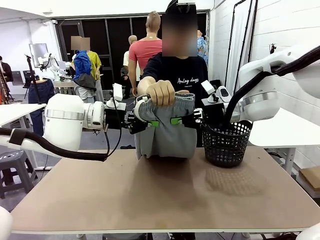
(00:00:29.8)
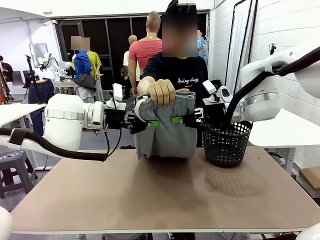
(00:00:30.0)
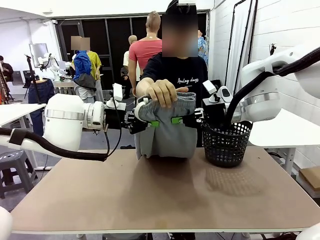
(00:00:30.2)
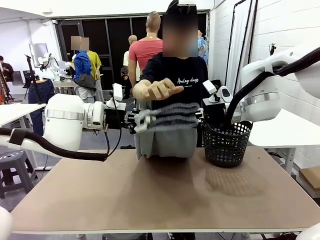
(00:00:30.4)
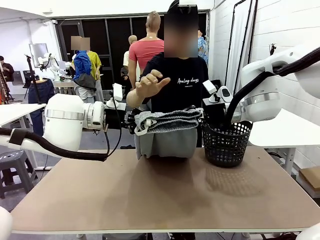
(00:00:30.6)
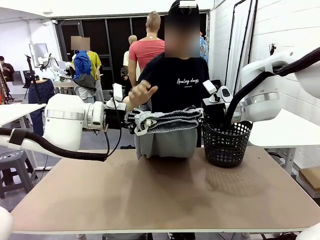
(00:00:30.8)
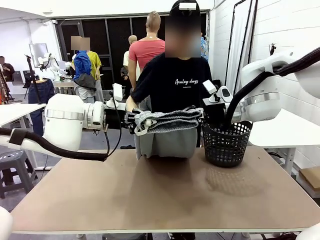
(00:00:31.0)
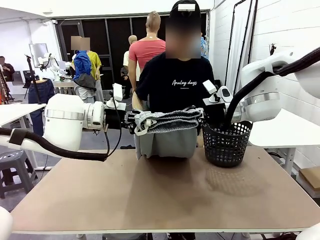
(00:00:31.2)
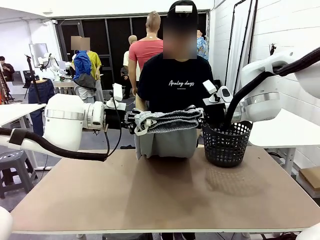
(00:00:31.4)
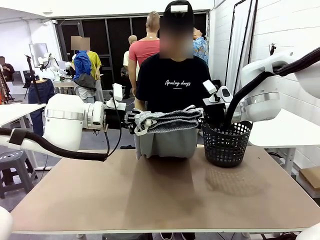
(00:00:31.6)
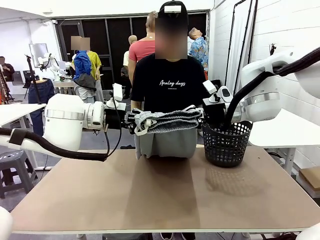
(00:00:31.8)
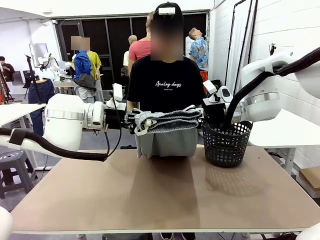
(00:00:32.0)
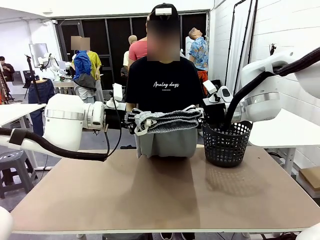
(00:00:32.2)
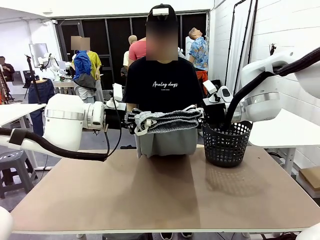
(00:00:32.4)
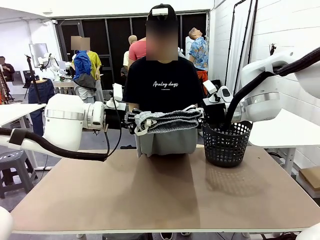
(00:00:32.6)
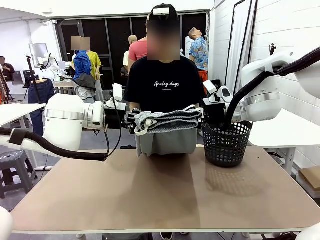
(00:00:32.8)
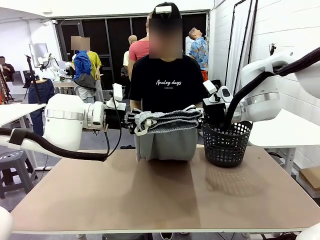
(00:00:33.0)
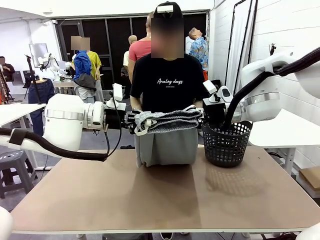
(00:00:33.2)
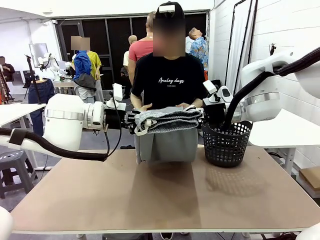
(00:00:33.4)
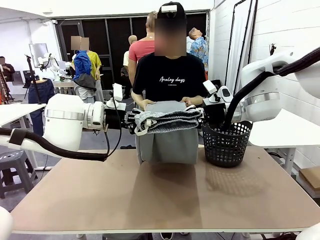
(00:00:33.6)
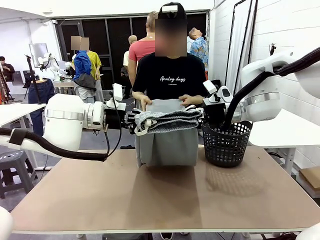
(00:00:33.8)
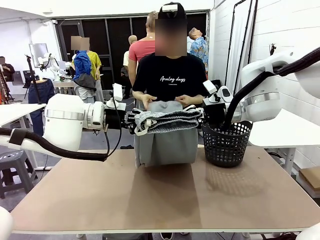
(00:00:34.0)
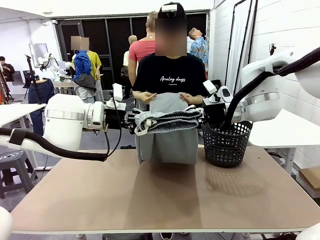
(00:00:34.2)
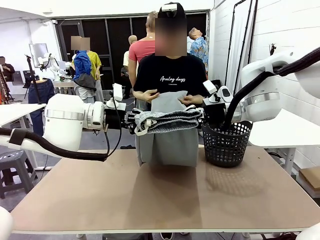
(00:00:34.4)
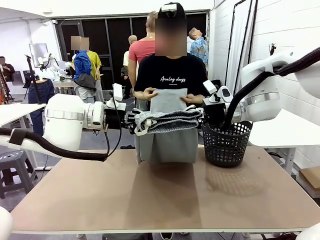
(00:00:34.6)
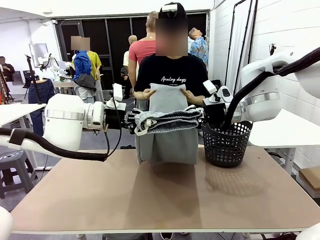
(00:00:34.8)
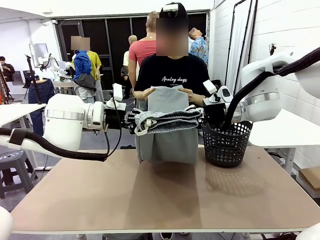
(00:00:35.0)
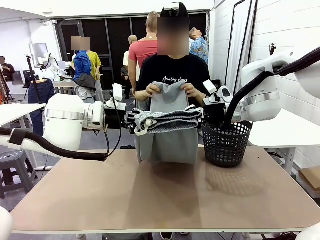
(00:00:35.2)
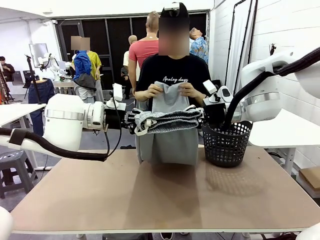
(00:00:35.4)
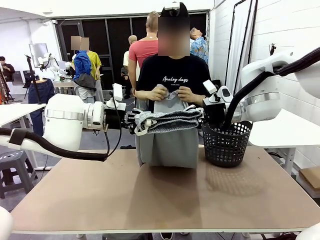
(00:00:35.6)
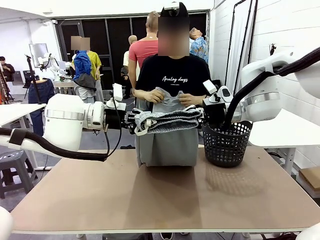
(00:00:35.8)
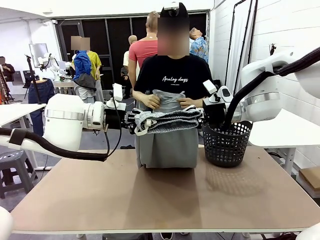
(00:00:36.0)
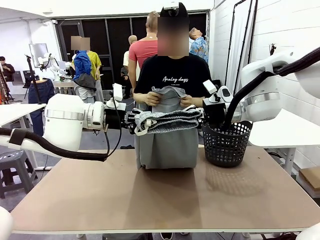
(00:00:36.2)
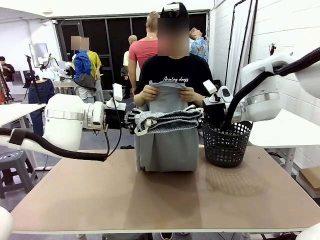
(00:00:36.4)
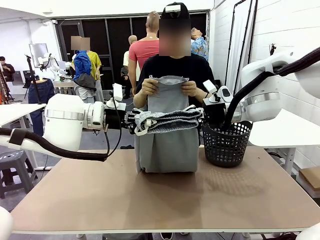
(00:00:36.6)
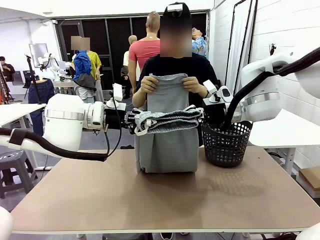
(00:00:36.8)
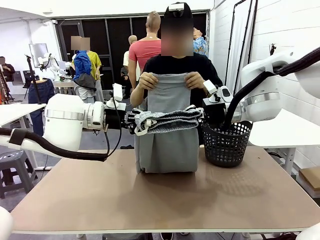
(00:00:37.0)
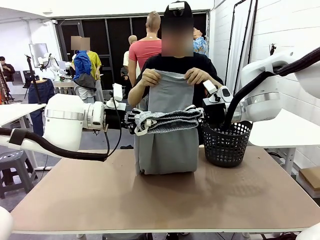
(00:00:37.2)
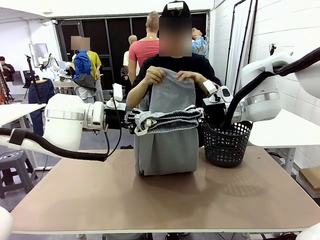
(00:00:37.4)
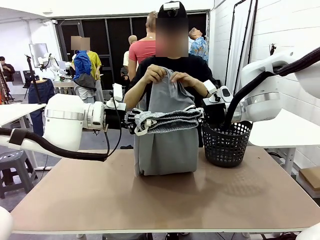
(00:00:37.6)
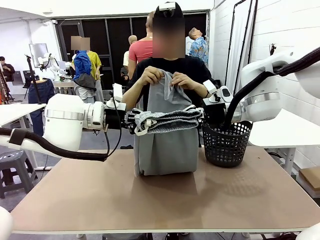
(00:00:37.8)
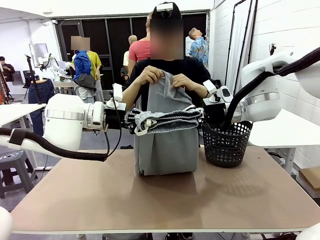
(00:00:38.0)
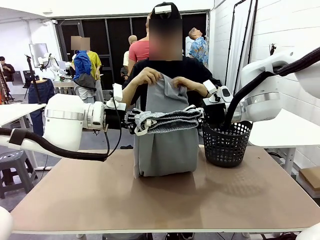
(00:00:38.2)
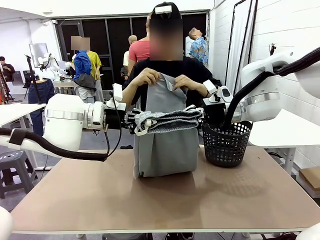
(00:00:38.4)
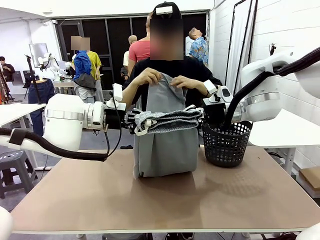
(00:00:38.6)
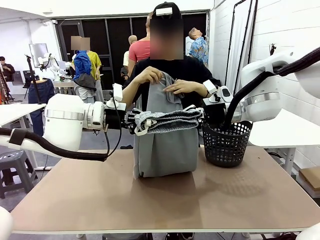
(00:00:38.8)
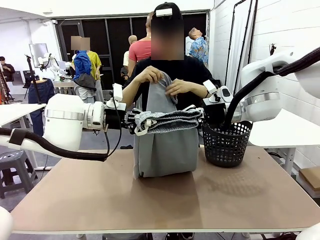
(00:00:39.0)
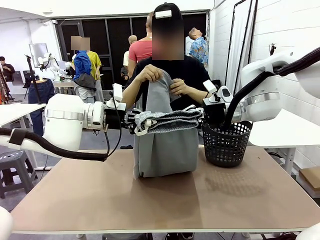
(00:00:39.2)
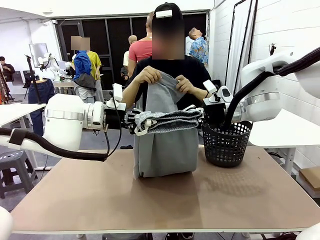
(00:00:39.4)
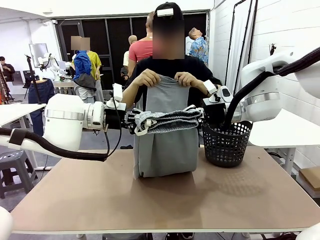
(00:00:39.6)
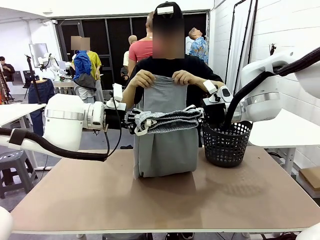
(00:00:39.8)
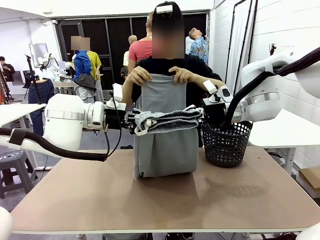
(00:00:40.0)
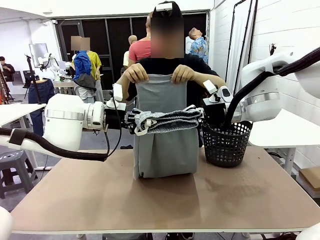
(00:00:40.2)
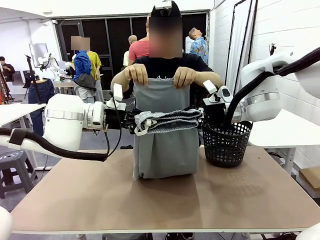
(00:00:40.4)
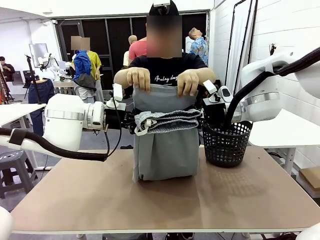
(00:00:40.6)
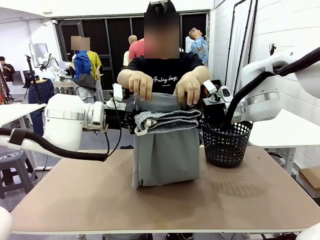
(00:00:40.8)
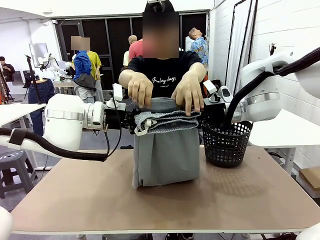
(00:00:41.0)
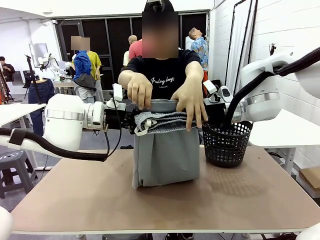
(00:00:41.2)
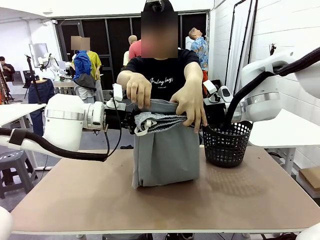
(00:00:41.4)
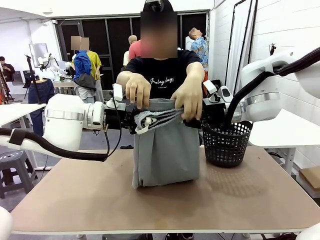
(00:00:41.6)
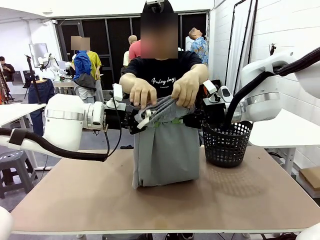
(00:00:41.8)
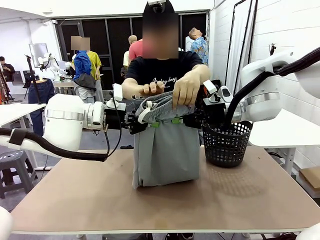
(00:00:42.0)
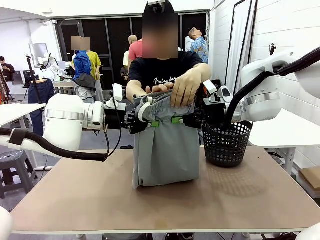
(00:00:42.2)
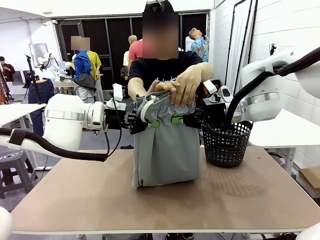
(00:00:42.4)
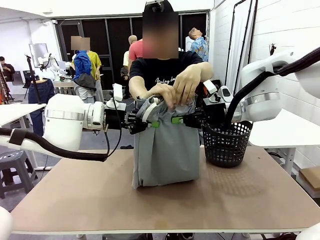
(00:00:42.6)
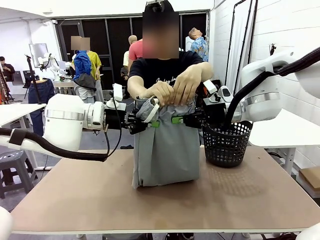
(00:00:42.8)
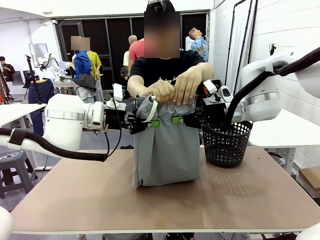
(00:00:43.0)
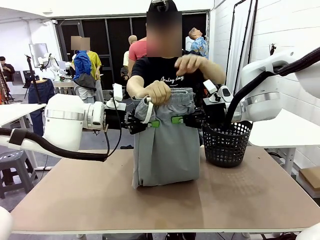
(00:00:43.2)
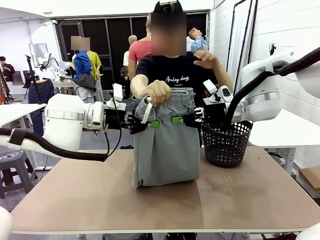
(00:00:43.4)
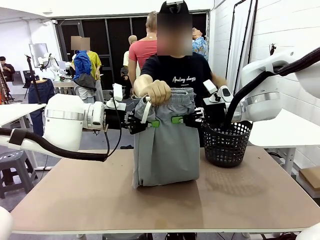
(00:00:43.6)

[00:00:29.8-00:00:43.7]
Task: Fold the training pants.
Robot: Release the ends of the Training pants and then grab the overlapped ends.
Person: Grasp the end opposite the point the robot is holding, fold the pants in half, and then grasp the overlapping top end of the folded pants.
